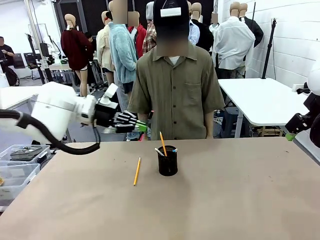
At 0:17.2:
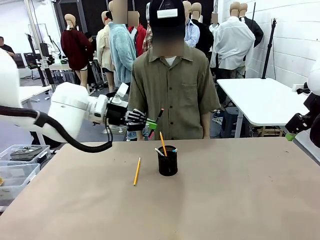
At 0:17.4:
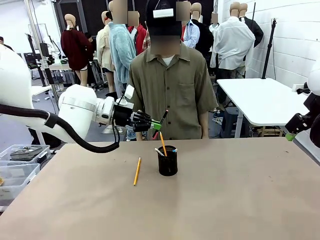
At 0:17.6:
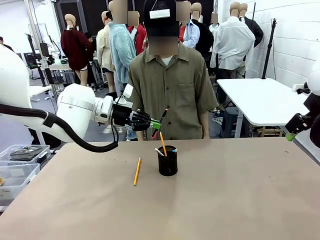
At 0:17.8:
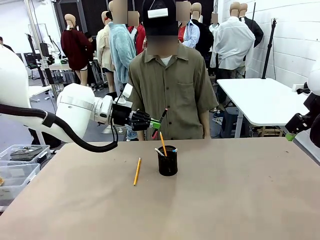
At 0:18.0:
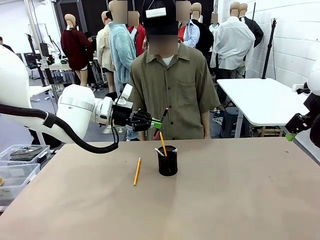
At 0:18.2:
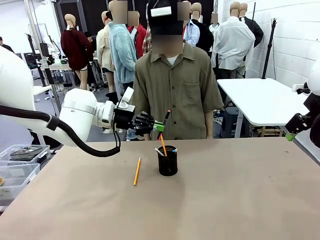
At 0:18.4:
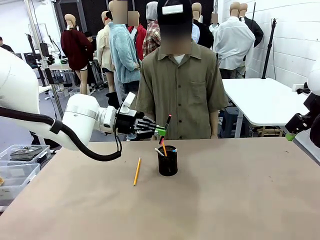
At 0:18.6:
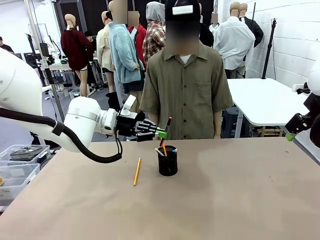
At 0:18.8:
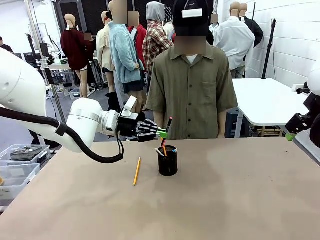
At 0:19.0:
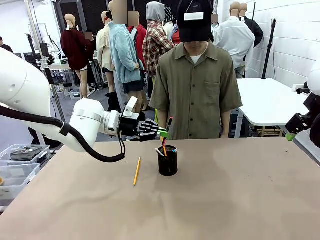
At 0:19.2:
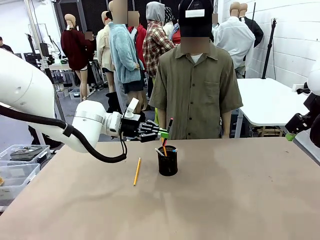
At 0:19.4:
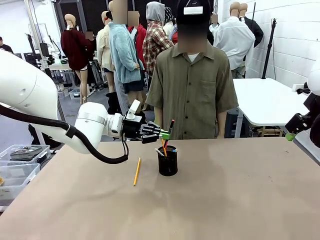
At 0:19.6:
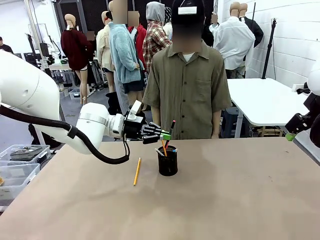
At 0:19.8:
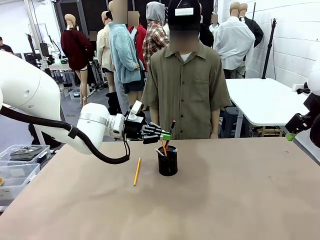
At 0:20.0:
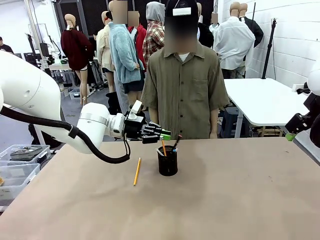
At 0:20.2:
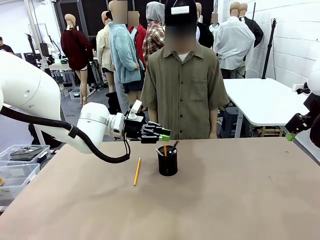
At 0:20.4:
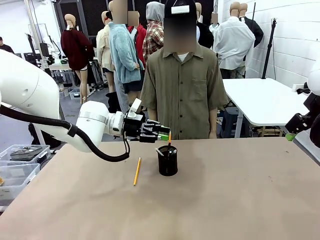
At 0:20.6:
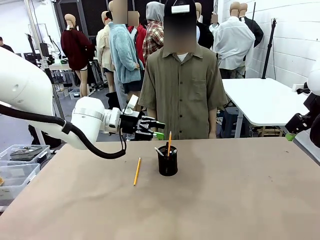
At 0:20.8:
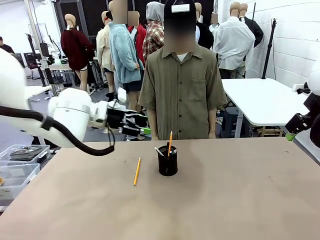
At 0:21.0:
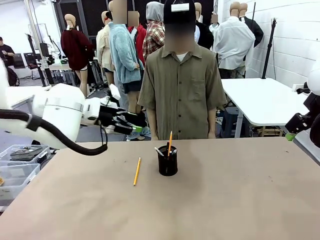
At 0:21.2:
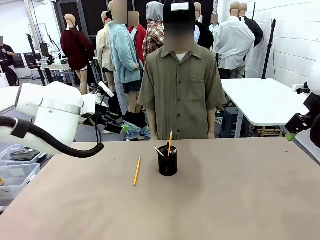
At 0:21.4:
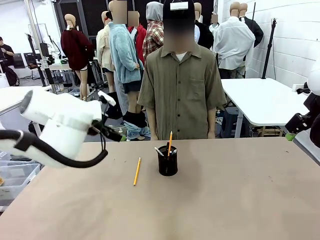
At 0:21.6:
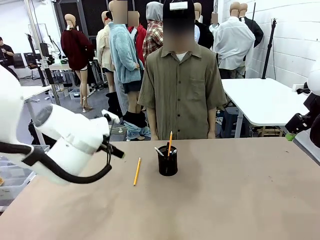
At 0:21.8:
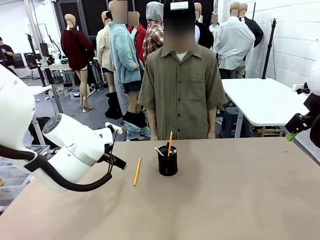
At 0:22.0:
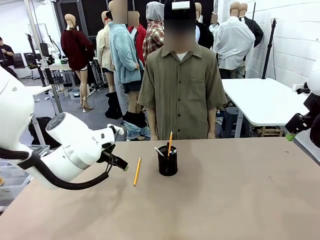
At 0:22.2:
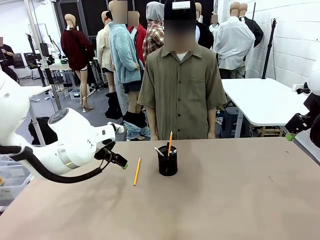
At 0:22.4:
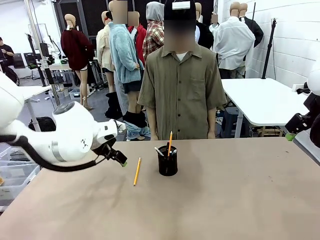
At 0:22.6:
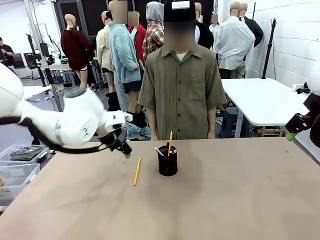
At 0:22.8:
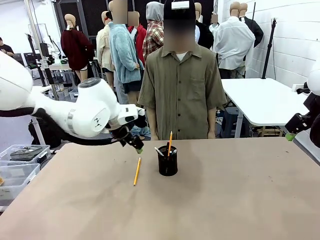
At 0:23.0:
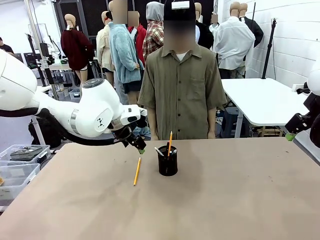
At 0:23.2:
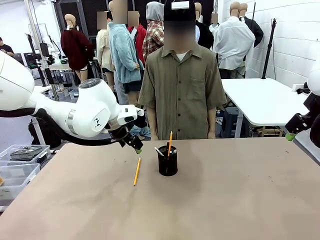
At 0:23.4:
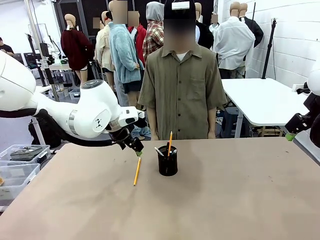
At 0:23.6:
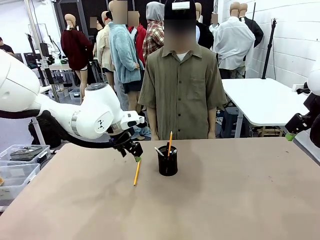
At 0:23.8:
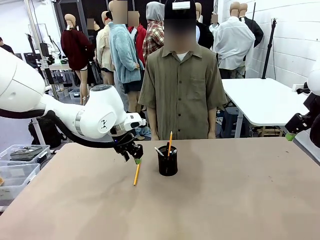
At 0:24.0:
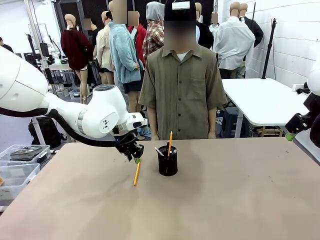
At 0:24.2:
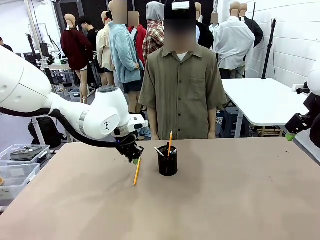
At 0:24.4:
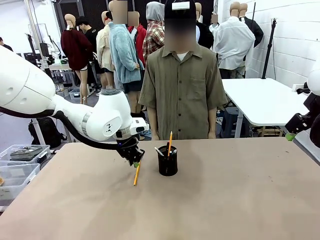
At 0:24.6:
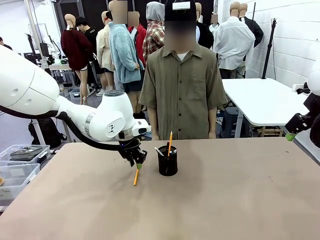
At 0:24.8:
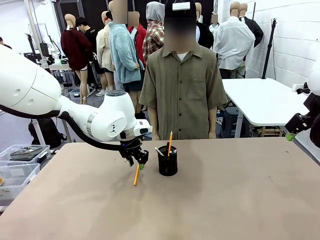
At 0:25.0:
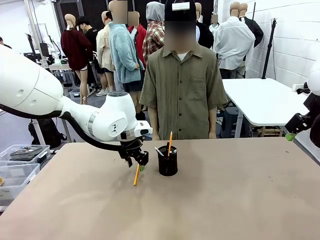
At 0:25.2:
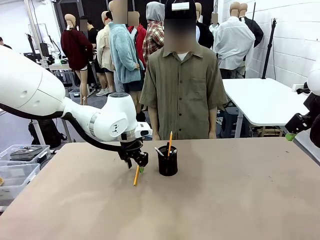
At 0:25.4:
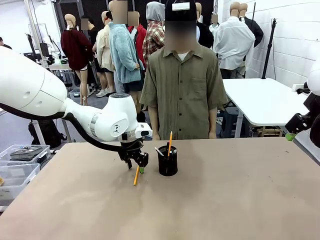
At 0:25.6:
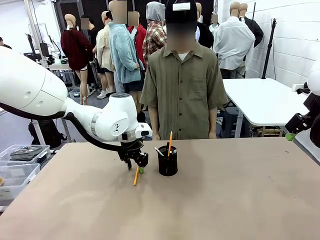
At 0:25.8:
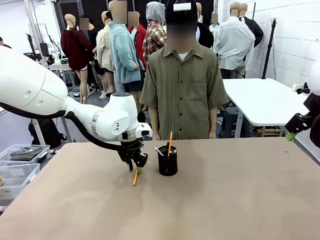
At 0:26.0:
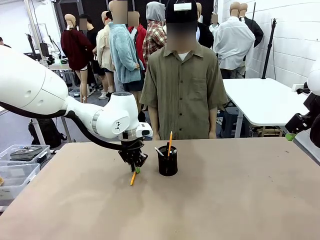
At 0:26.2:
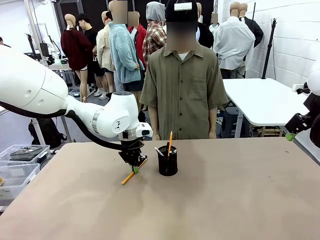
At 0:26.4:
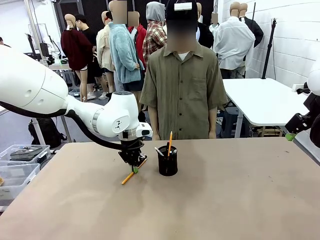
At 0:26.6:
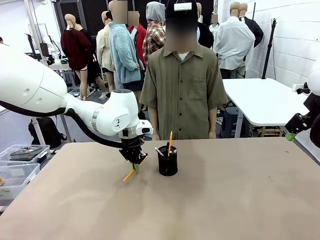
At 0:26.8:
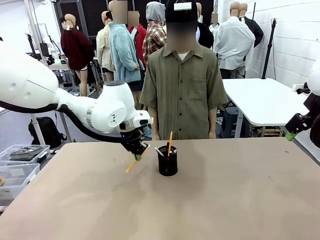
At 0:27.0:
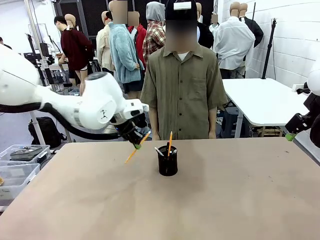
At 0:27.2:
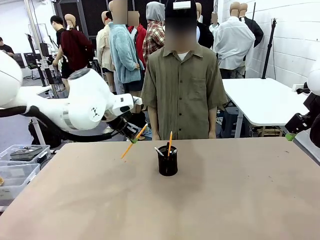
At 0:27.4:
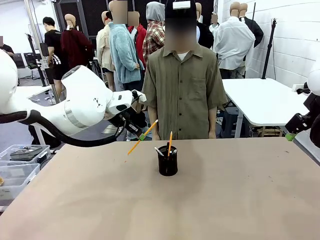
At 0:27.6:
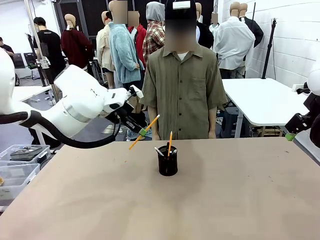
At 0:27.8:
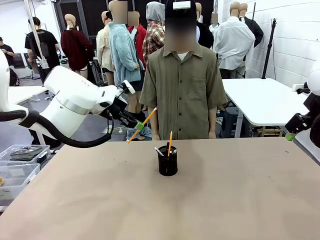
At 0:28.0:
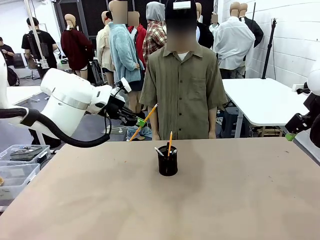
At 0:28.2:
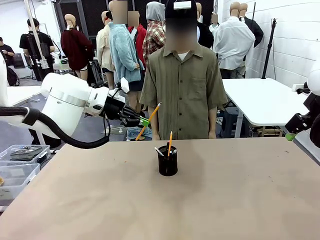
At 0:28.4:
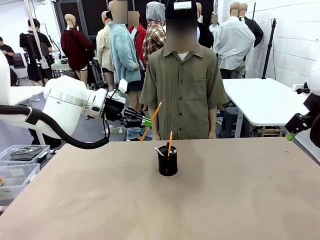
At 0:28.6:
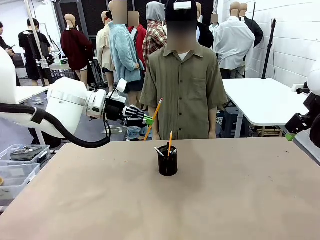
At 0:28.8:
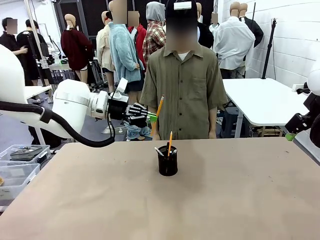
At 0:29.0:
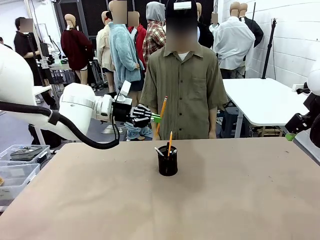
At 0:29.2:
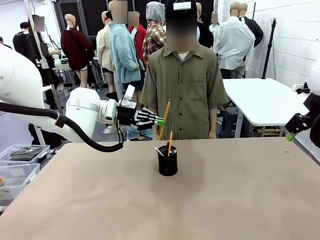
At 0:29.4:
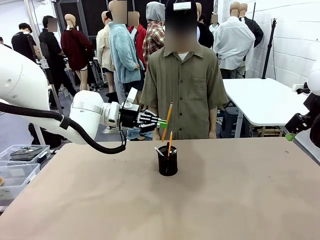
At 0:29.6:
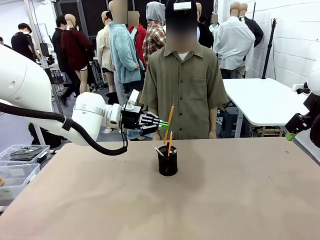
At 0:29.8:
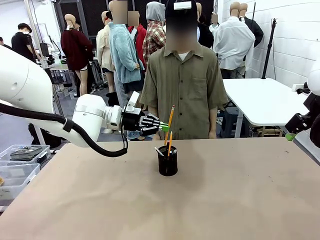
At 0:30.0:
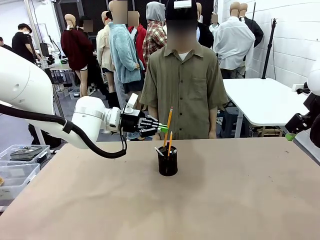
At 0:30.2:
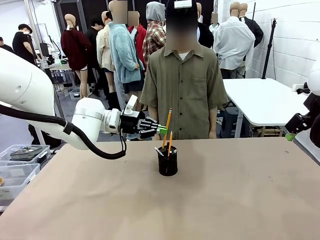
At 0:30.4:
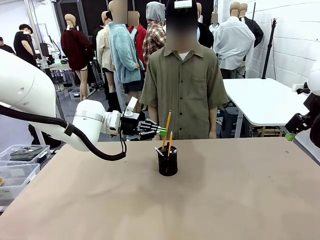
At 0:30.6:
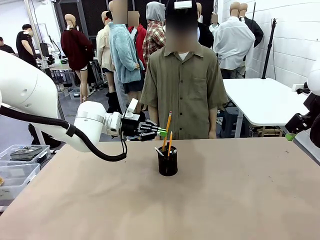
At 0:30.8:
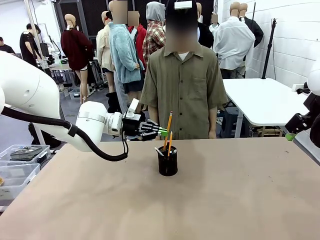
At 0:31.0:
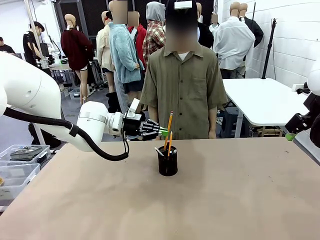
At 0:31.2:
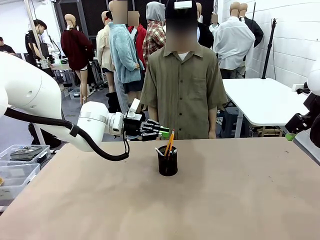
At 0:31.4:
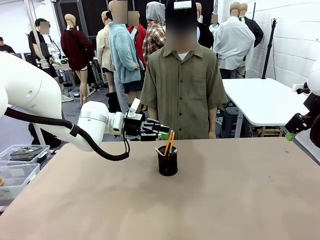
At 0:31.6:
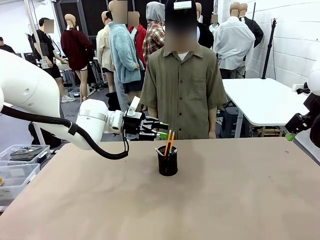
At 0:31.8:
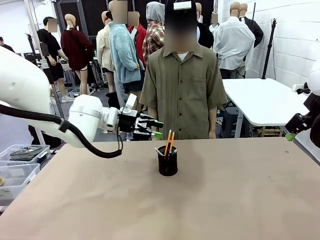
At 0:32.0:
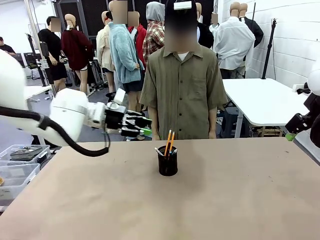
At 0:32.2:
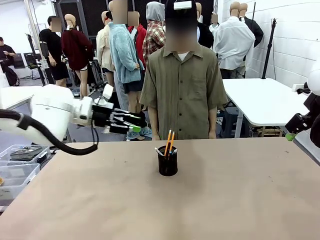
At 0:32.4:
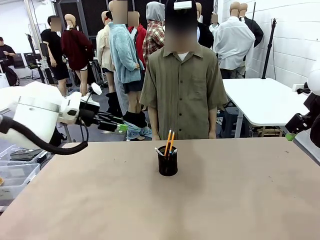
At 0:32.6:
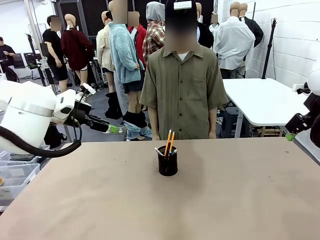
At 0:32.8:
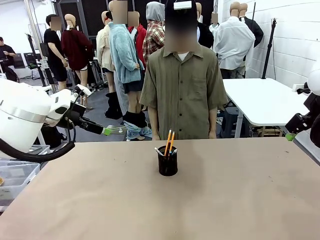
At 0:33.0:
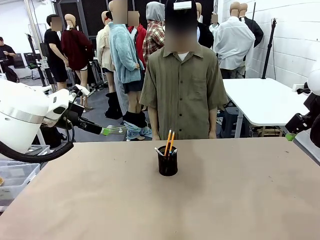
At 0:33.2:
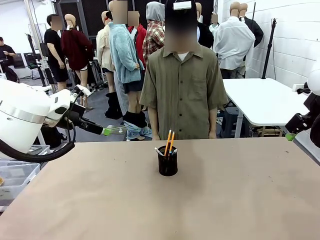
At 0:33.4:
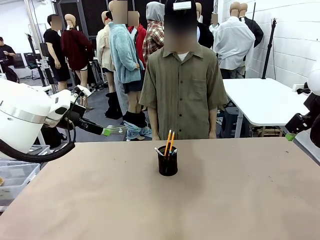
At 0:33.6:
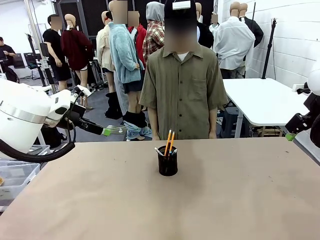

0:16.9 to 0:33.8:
Task: Place the pens into the pen holder.
Robot: Pick up a writing instrument from the table and place it into the Pen holder.
Person: Place all writing instrument into the Pen holder.

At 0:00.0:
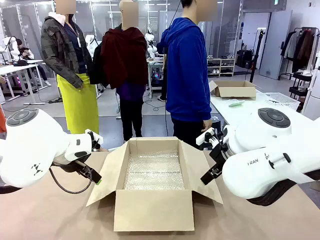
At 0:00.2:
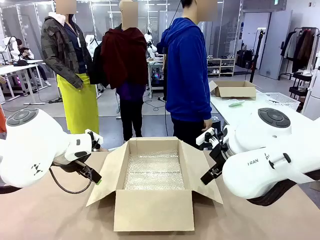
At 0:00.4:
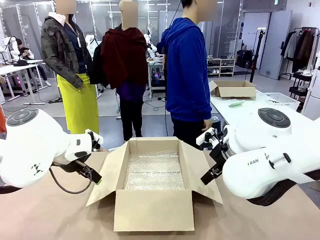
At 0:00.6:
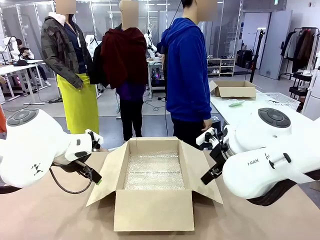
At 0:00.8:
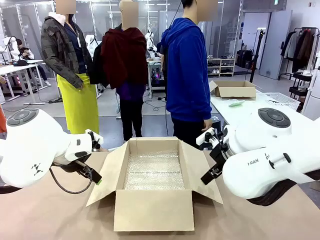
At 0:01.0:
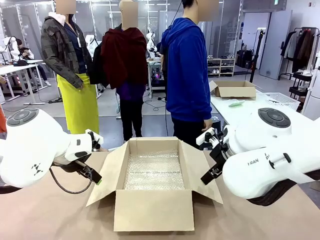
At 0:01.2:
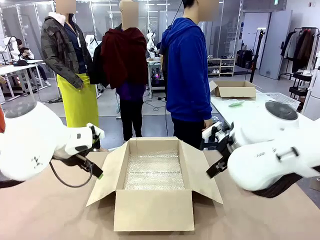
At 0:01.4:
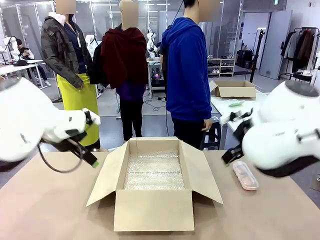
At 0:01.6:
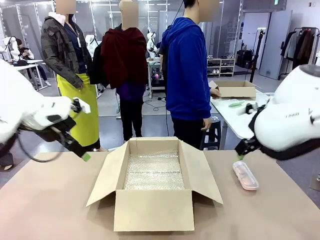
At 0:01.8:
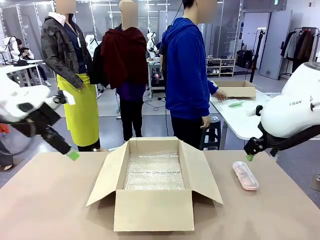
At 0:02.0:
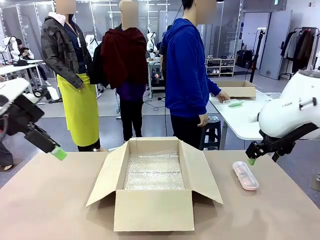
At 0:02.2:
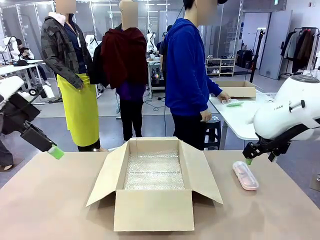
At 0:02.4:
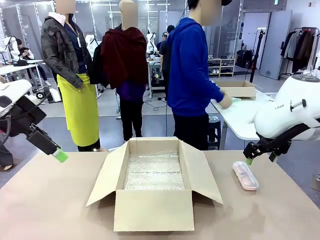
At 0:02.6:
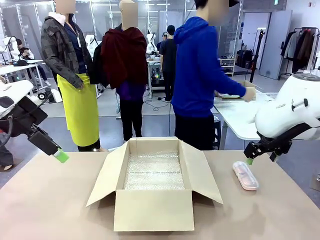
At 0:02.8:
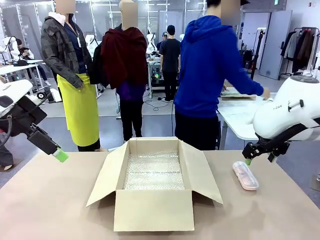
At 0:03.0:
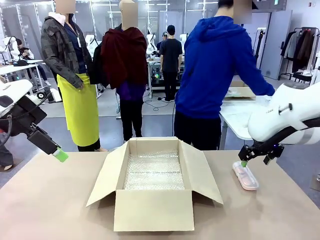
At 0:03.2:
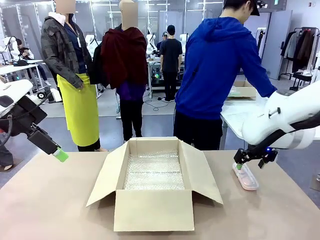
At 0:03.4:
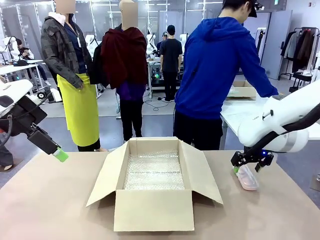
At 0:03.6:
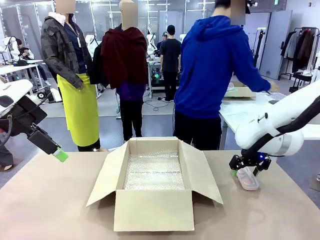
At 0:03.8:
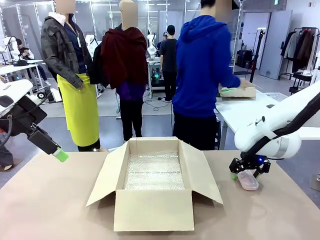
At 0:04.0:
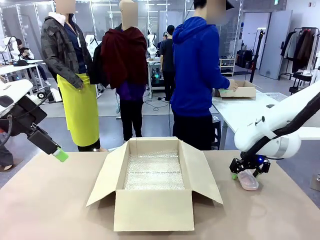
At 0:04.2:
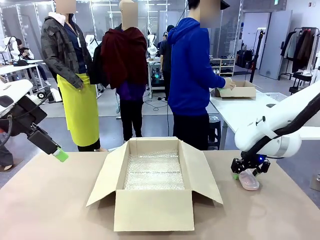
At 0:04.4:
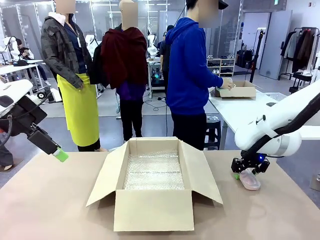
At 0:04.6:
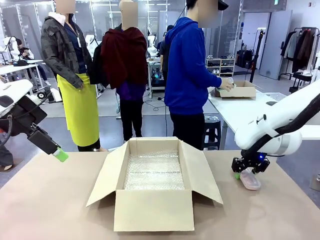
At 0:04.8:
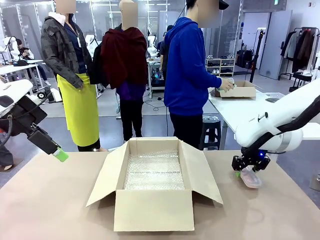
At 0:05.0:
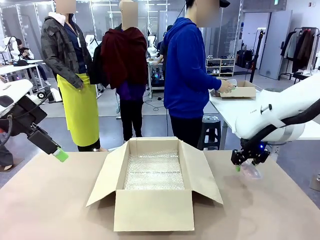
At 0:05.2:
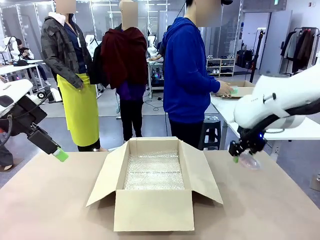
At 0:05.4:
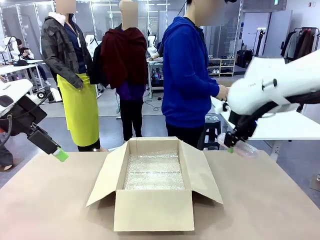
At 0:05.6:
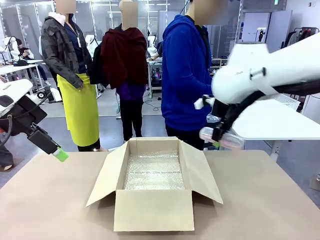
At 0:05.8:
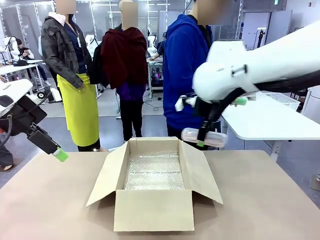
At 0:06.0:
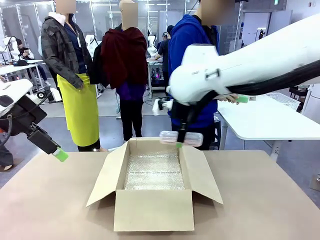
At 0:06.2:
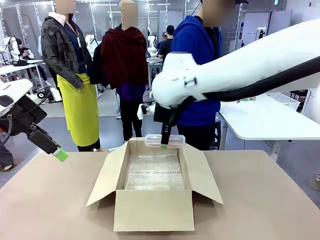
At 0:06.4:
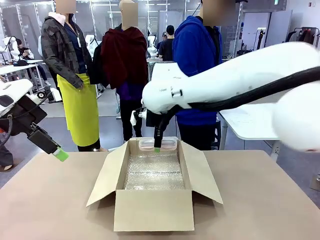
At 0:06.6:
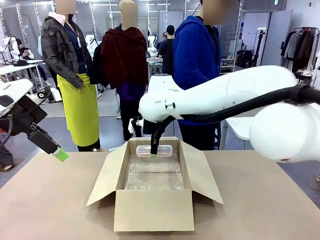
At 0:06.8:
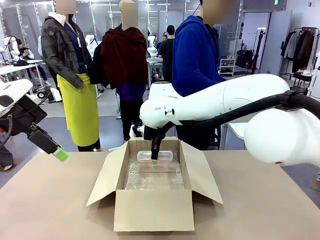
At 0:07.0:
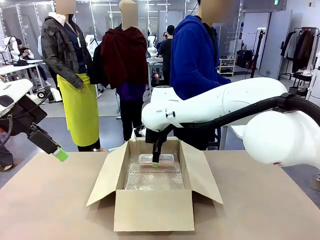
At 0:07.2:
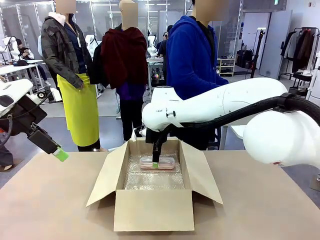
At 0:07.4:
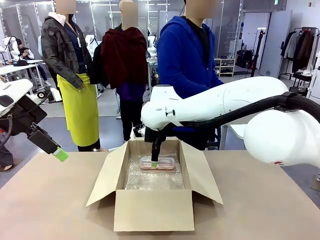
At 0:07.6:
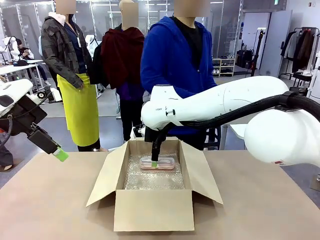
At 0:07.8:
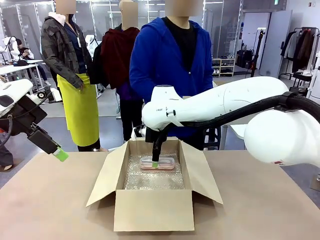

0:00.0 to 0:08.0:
Task: Pack the glasses set securely to prepare it for shipping.
Robot: Place the Glasses case inside the Package Box.
Person: Place the Glasses inside the Glasses case.
